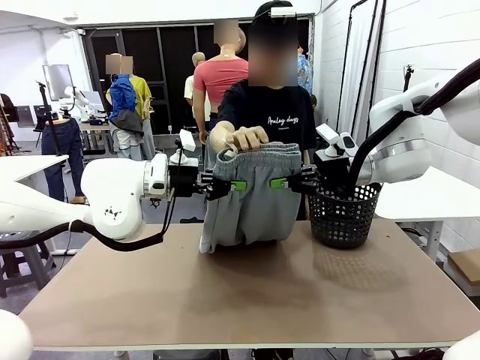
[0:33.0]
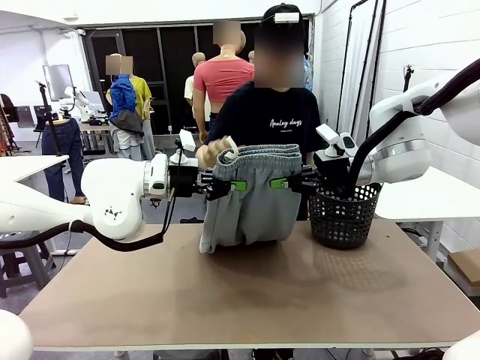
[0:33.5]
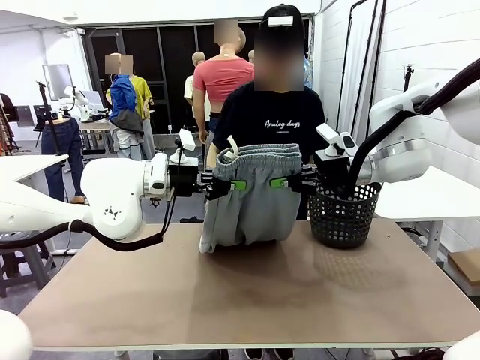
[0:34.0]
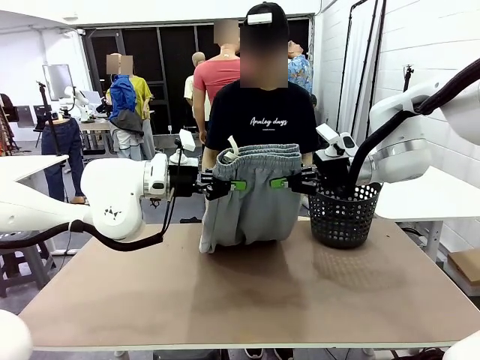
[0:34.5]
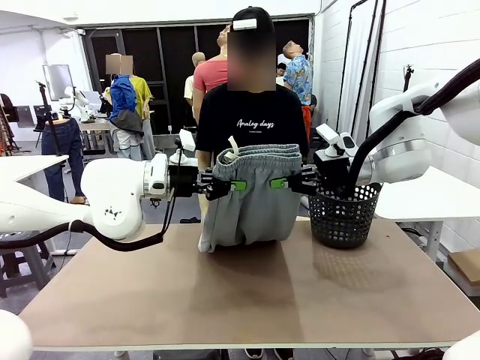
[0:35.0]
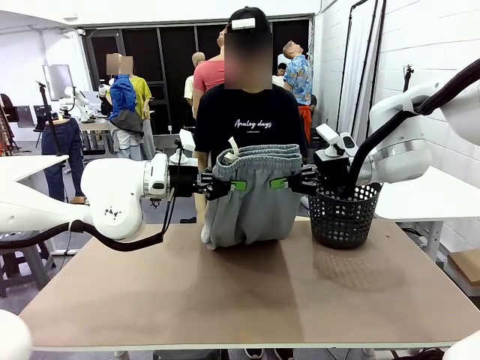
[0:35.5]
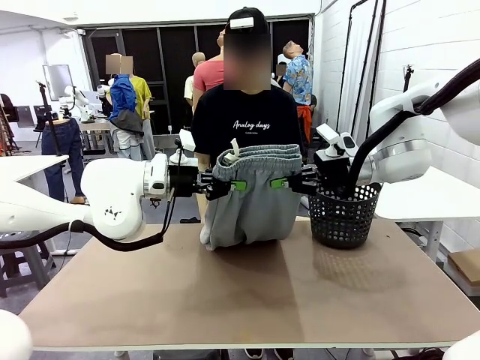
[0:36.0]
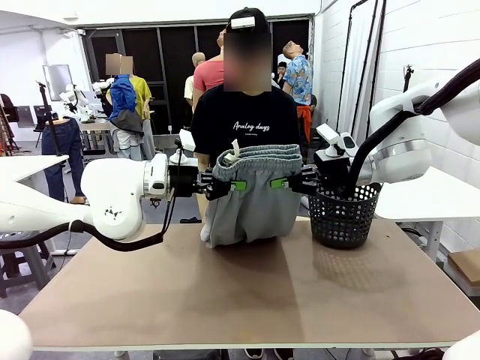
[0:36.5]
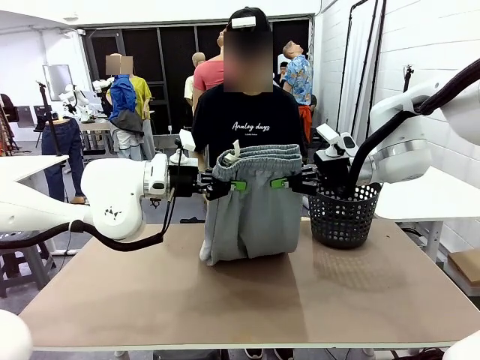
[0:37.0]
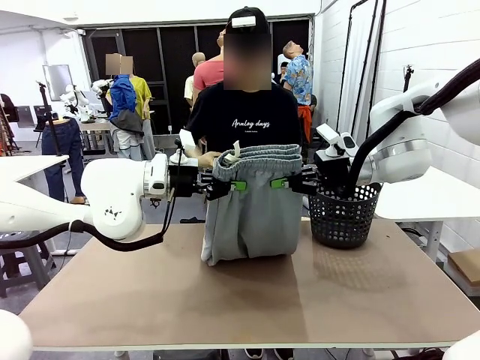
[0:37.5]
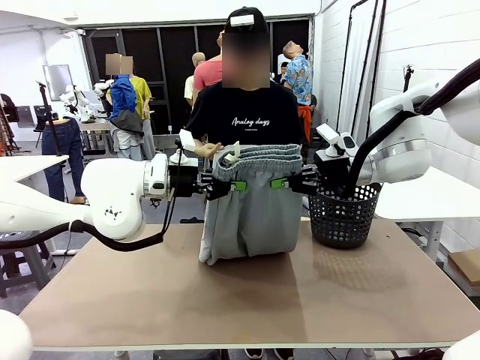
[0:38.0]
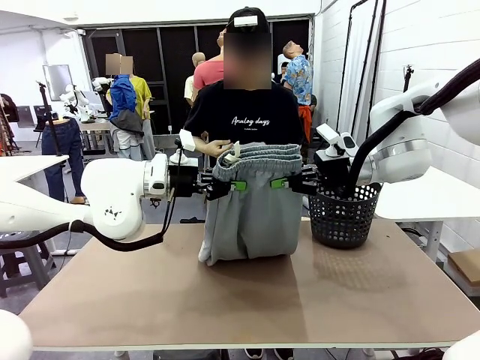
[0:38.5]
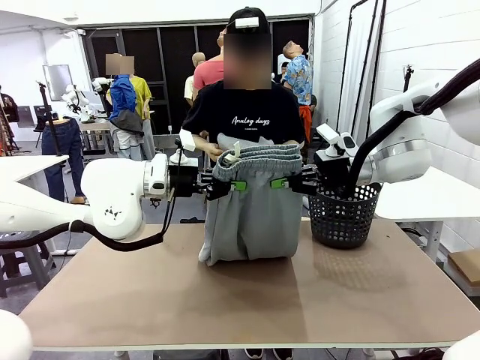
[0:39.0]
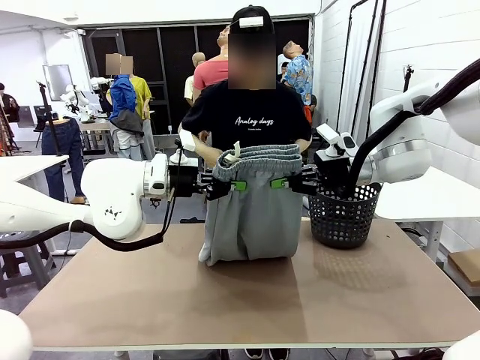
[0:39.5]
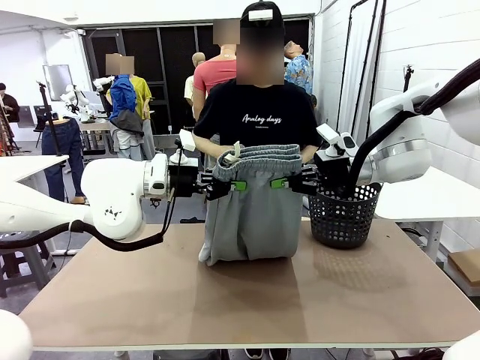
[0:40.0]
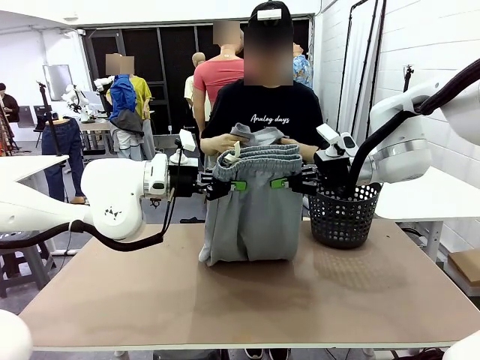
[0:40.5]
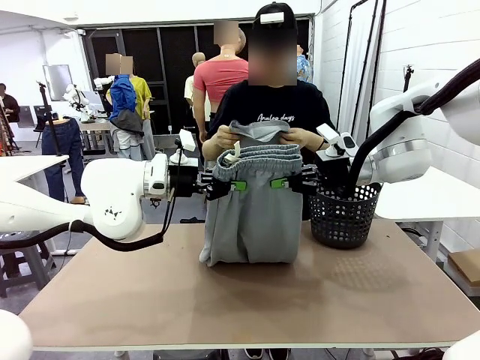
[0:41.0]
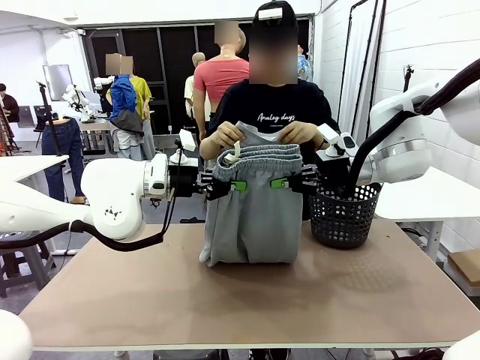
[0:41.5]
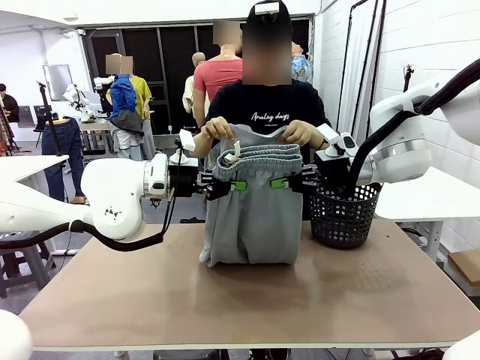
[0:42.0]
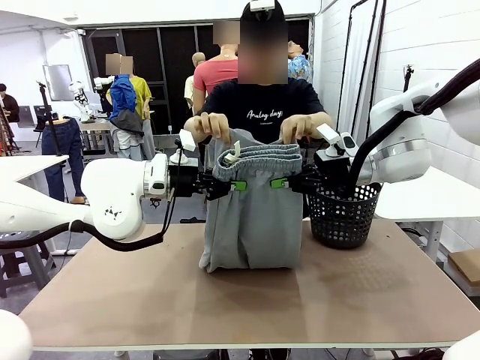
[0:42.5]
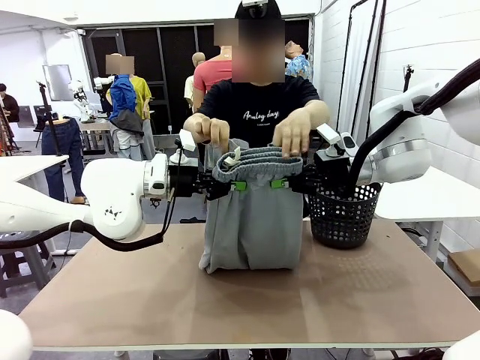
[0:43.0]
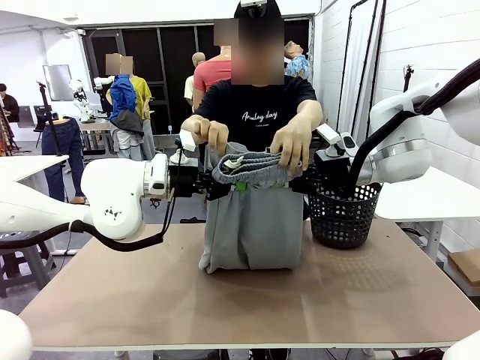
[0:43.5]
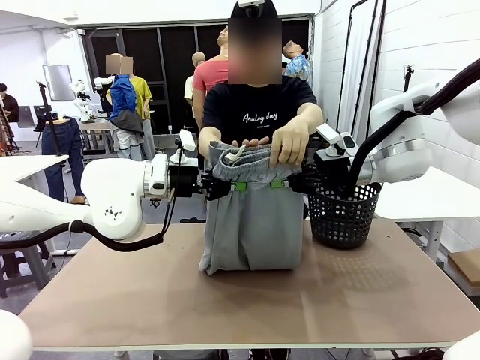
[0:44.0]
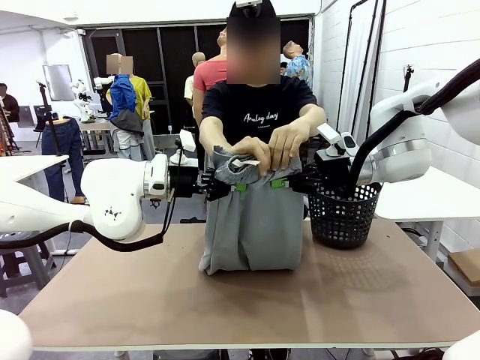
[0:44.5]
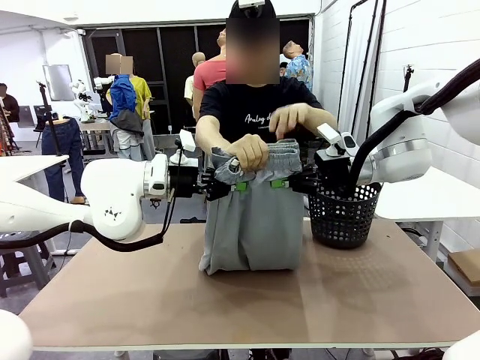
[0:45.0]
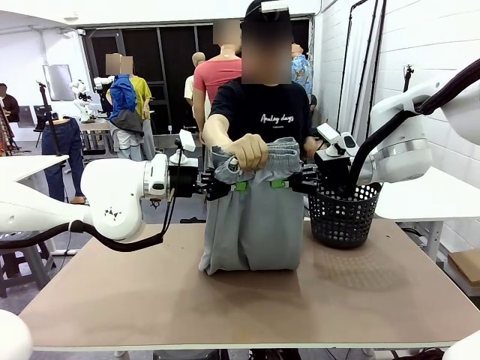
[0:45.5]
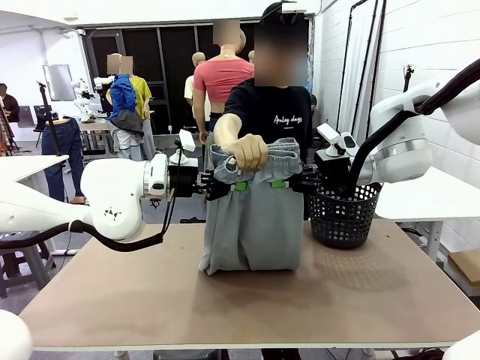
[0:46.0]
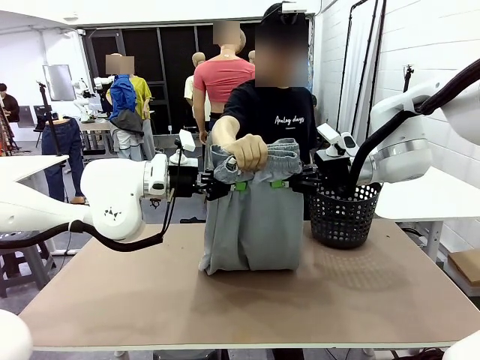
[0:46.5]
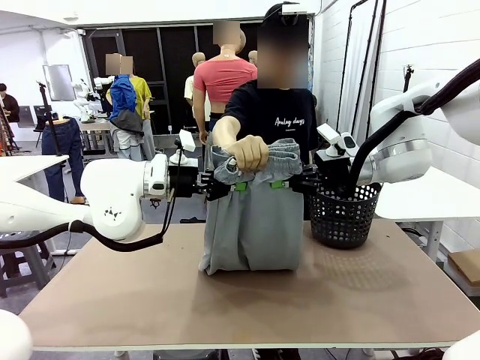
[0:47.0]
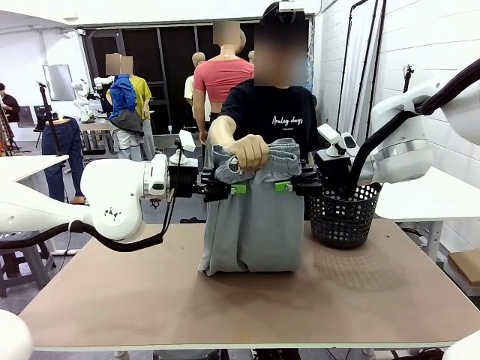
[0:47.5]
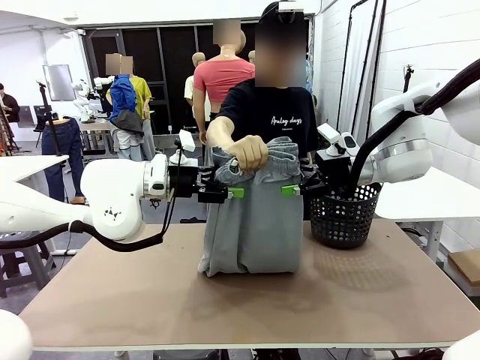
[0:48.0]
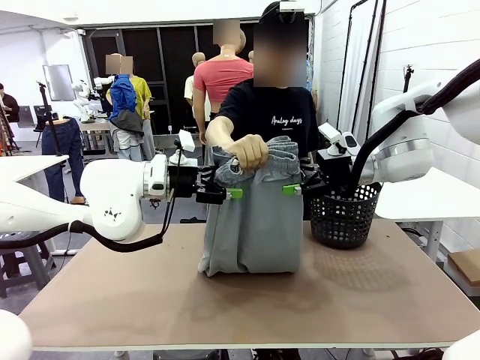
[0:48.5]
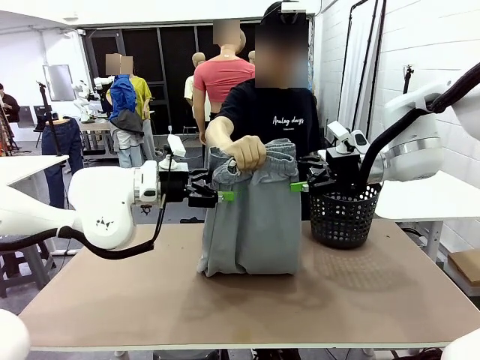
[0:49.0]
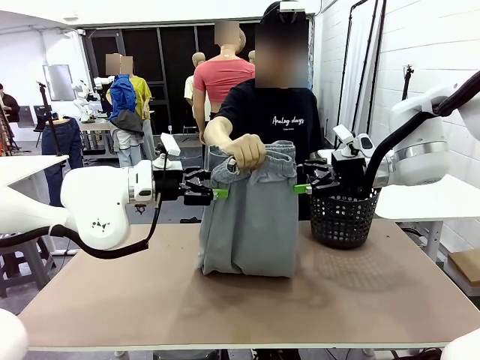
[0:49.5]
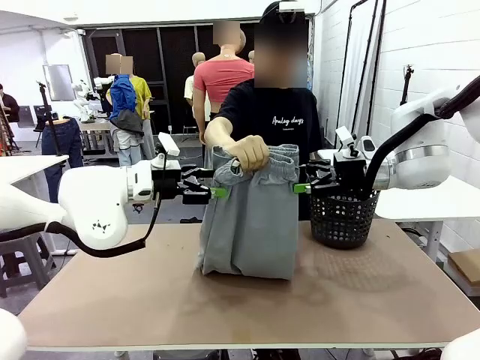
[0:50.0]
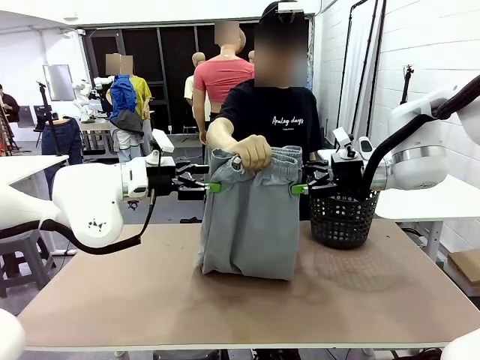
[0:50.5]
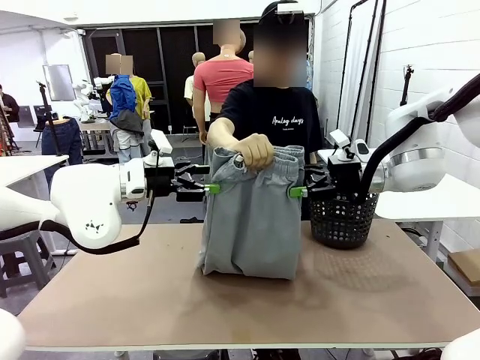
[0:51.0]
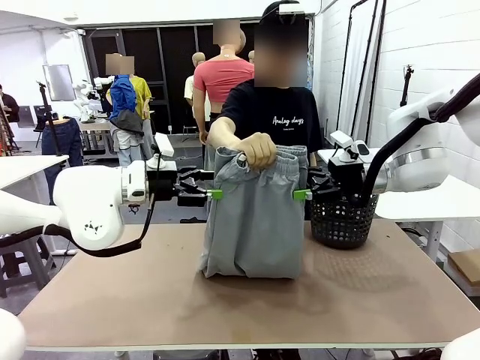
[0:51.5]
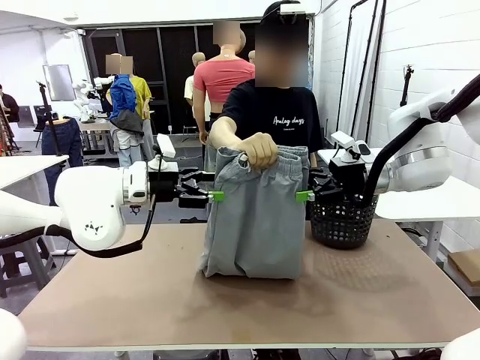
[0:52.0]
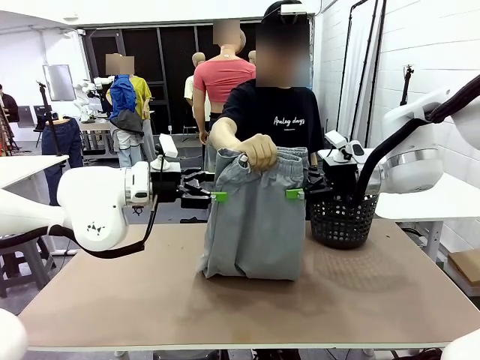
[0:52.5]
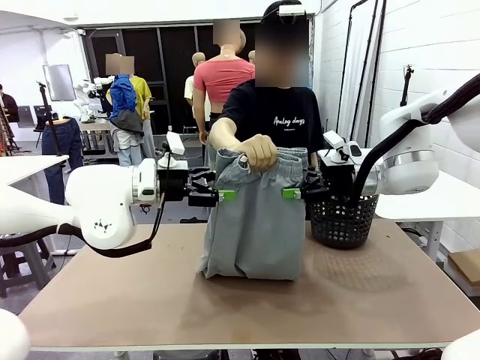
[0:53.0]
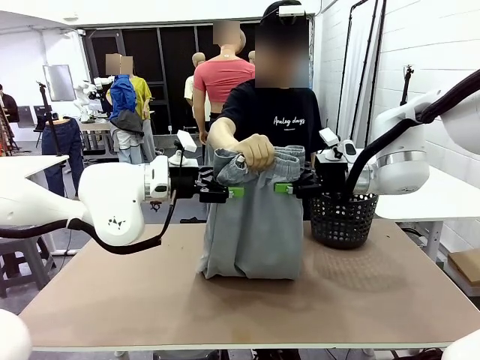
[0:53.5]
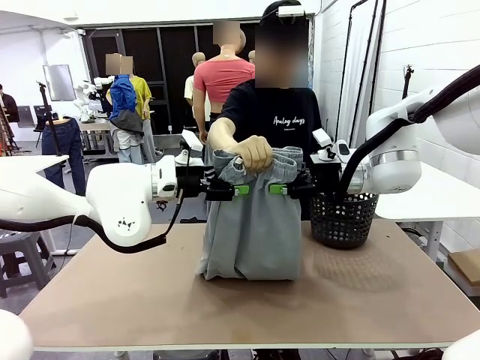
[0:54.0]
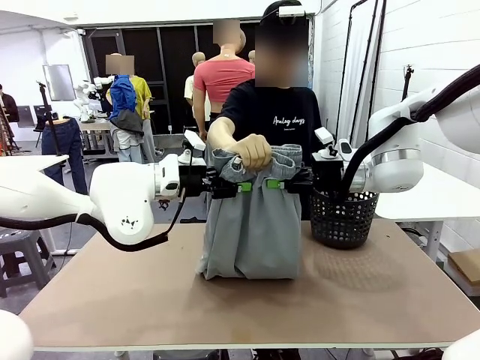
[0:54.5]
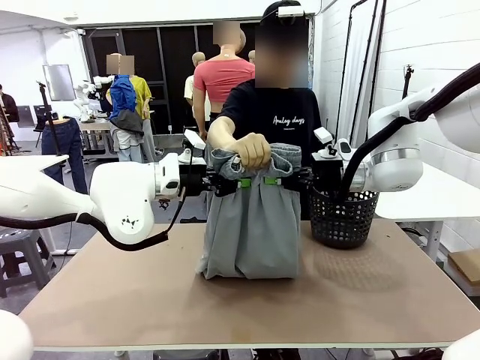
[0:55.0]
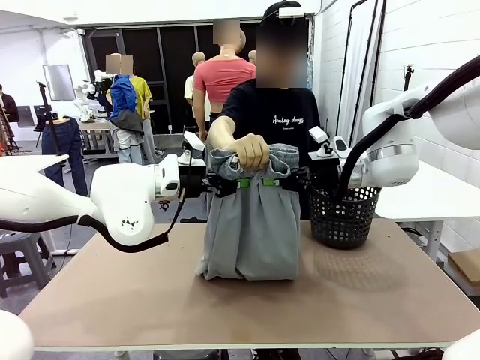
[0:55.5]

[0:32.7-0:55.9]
Task: Fold the training pants.
Robot: Release the ends of the Training pants and then grab the overlapped ends.
Person: Grasp the end opposite the point the robot is holding, fold the pants in half, and then grasp the overlapping top end of the folded pants. Release the pants you were holding.

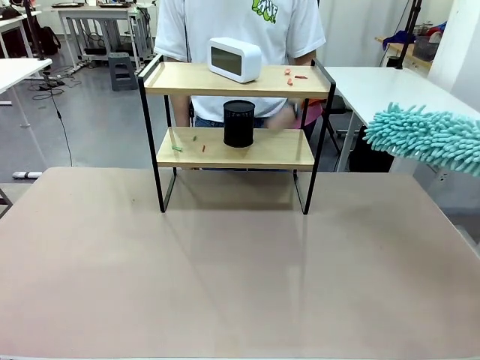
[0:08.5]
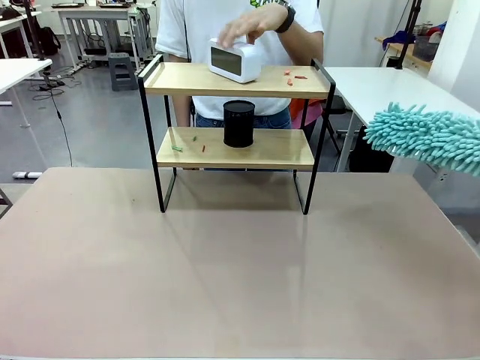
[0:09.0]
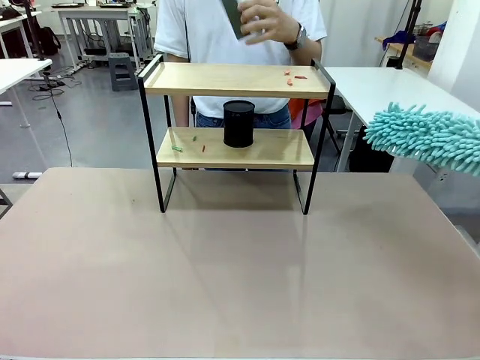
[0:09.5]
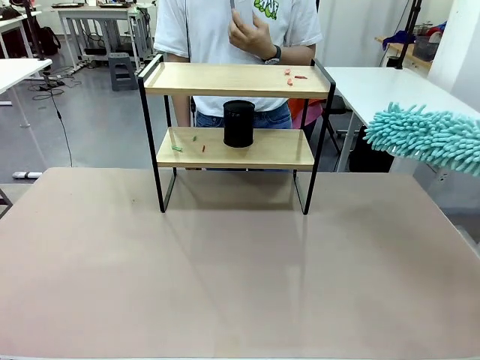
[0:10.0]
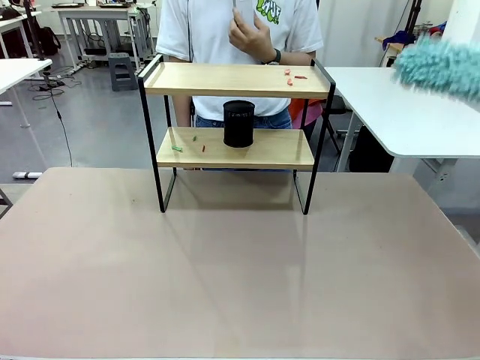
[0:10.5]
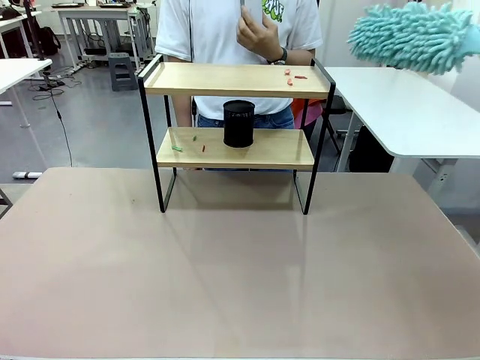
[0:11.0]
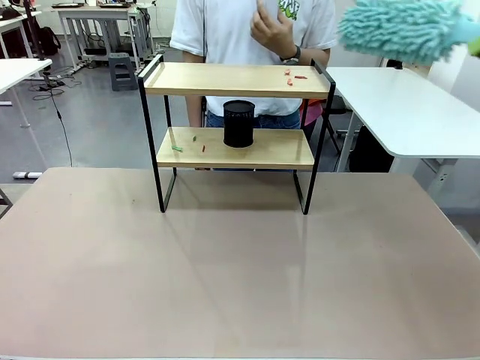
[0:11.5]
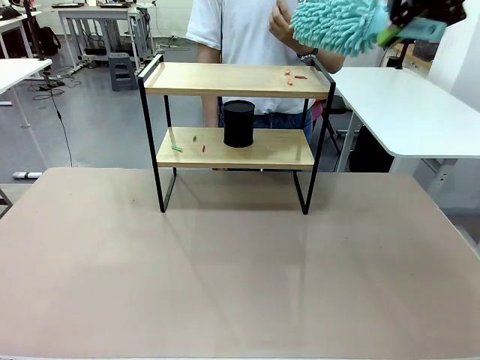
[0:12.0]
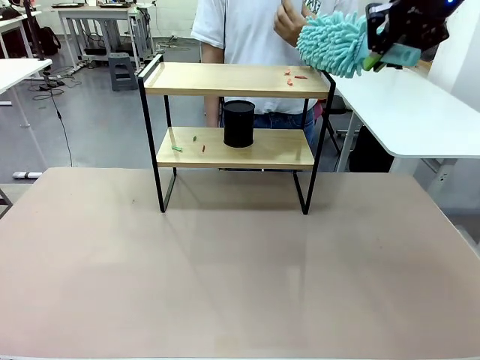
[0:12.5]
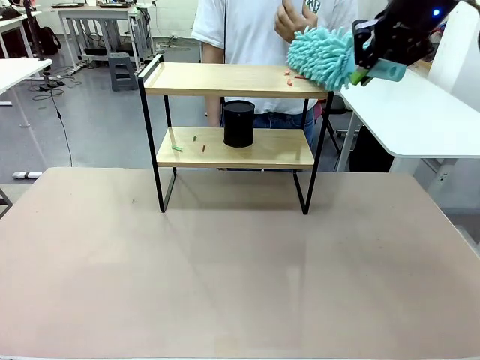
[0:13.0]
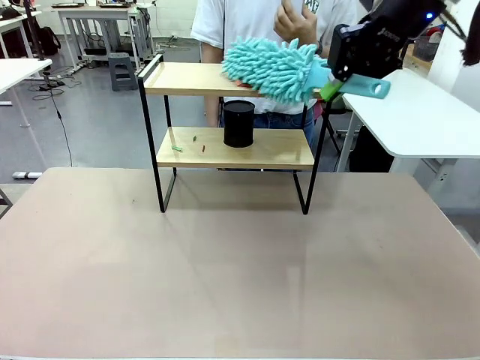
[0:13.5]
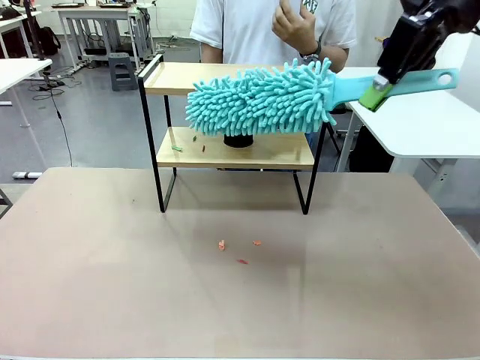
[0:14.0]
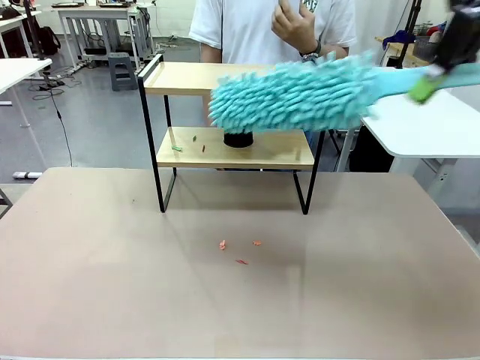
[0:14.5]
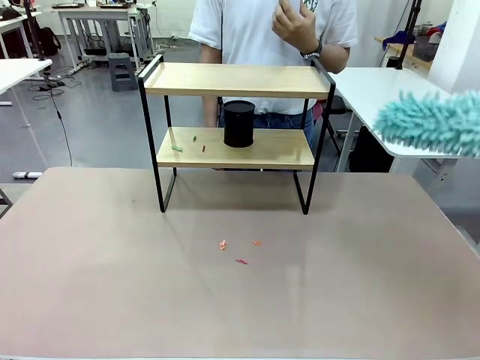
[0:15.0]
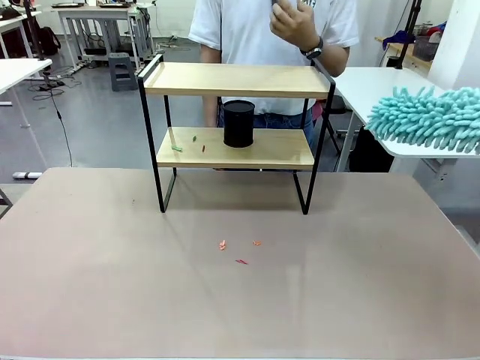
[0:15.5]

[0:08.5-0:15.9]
Task: Clean the shelf.
Robot: Clean the specific tier of the Shelf with the Duster once objects are removed.
Person: Lift the objects on a randomly selected tier of the Shelf. Once the robot finishes cleaning, lift the objects on the remaining tiers of the Shelf.
